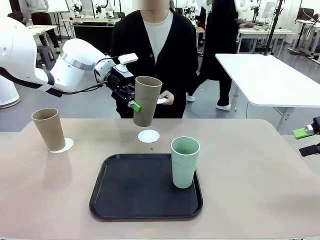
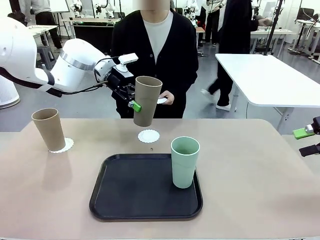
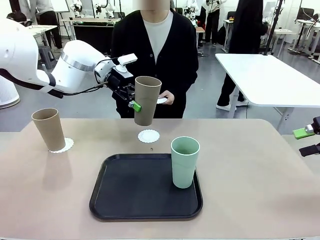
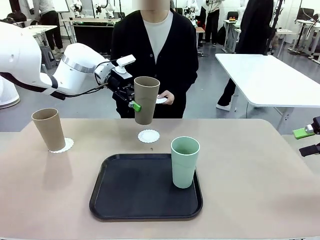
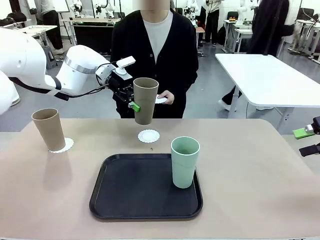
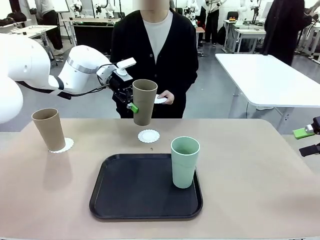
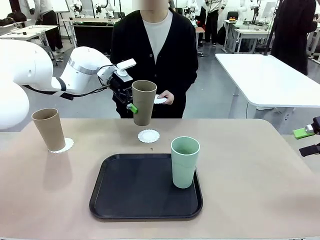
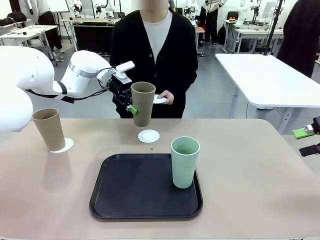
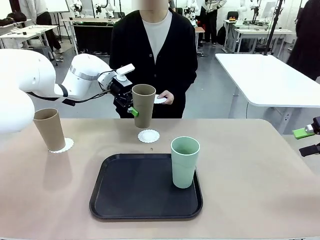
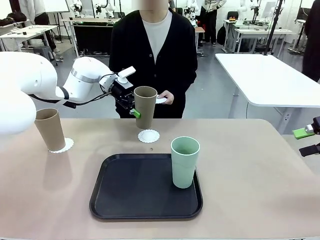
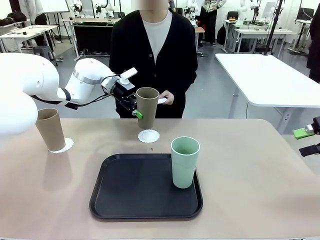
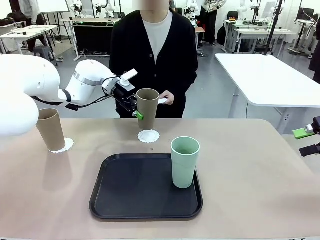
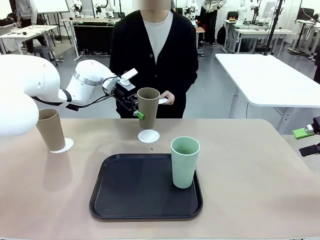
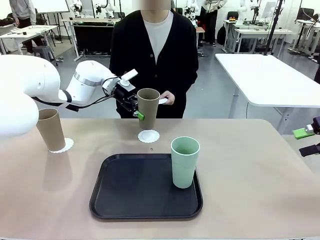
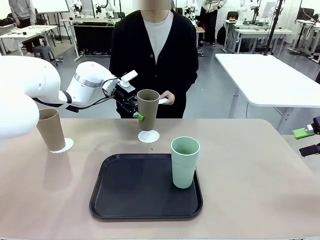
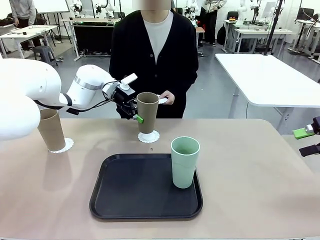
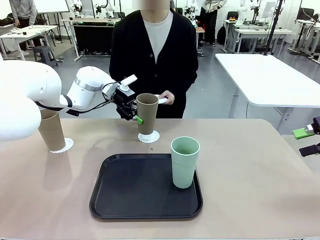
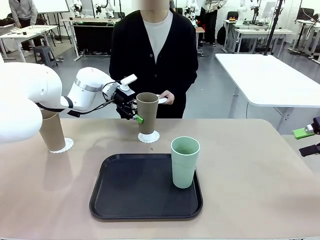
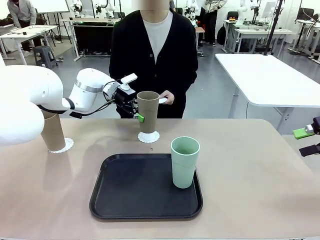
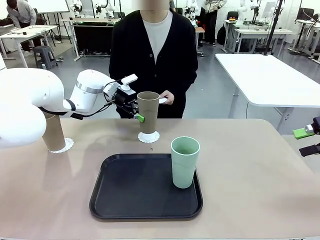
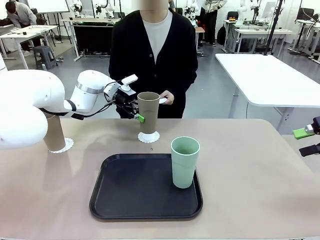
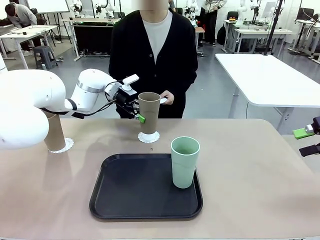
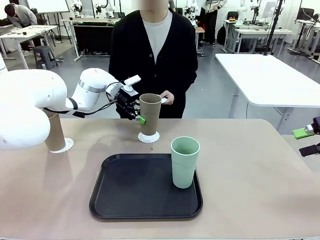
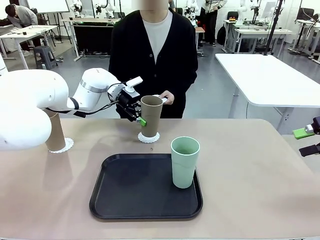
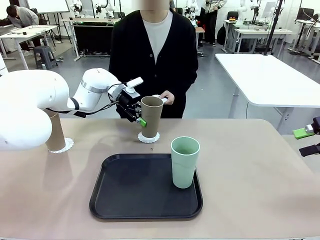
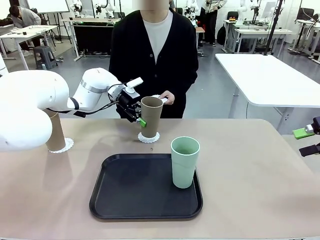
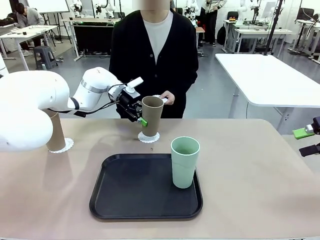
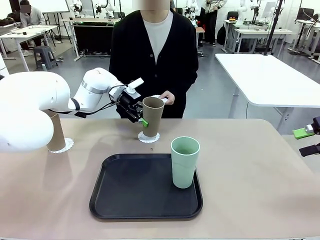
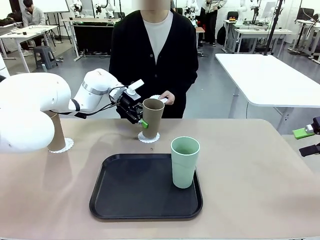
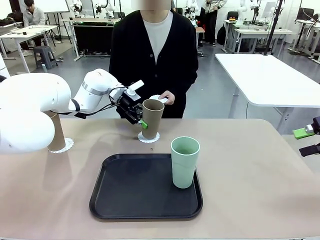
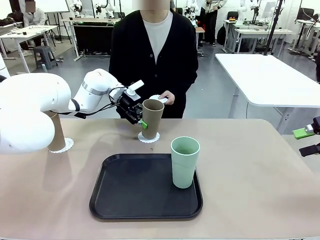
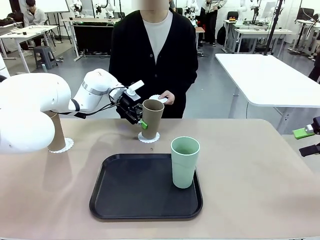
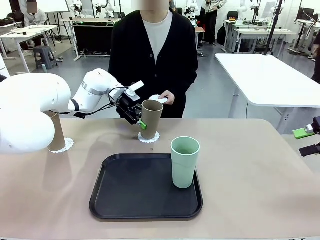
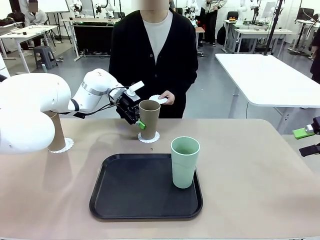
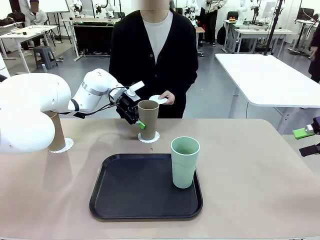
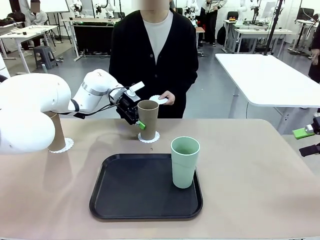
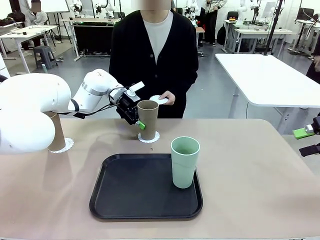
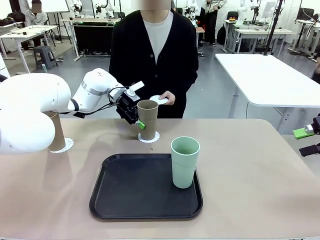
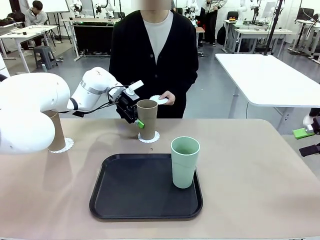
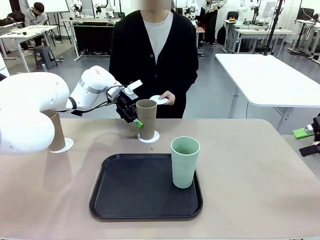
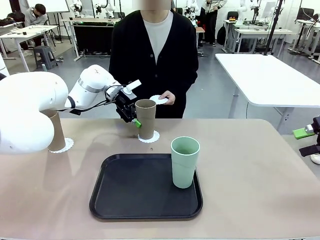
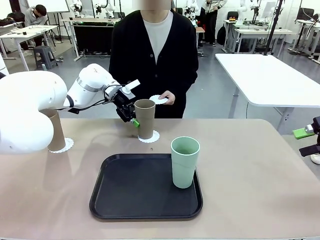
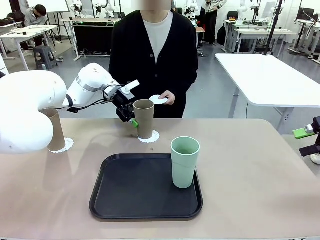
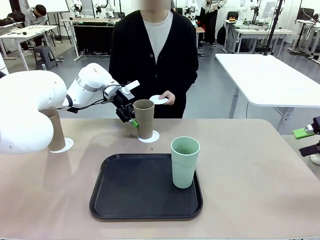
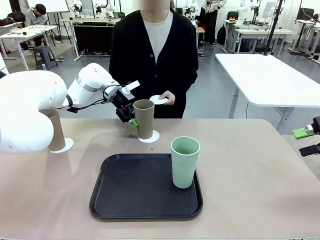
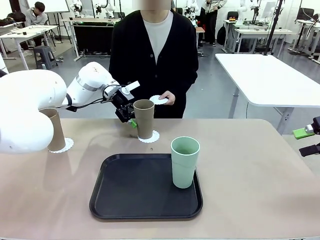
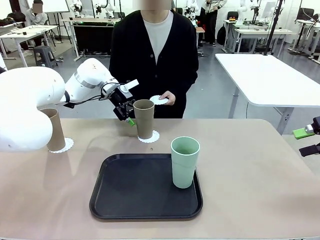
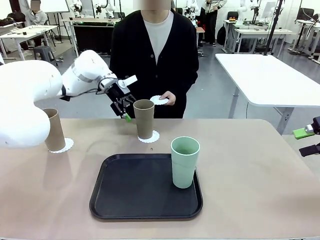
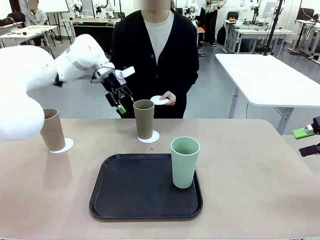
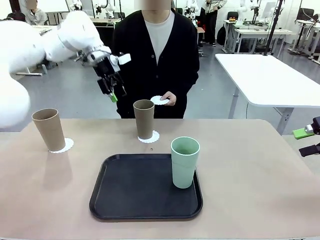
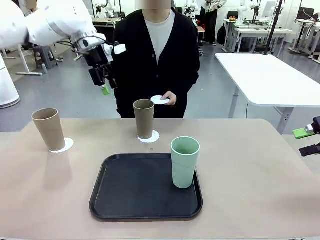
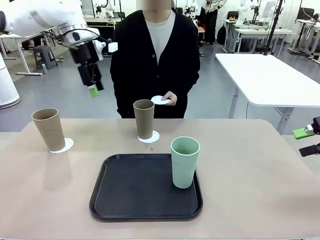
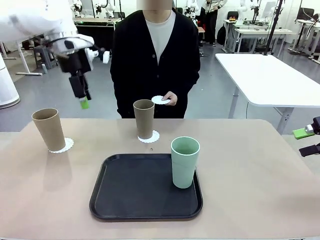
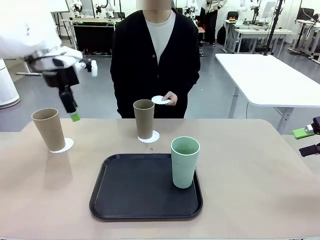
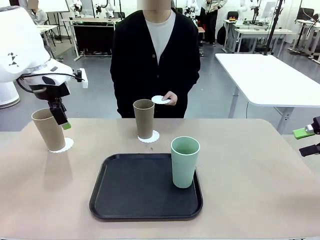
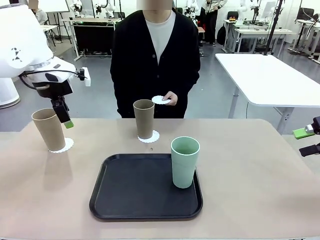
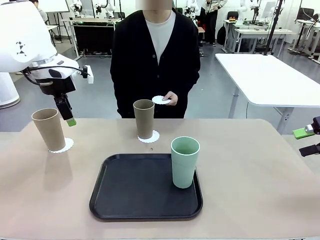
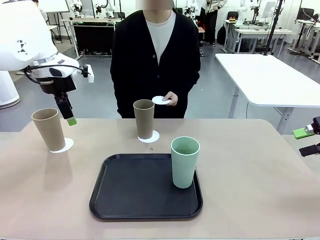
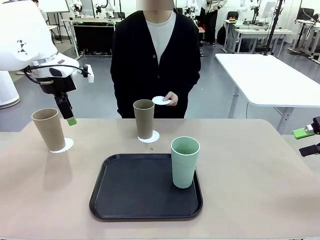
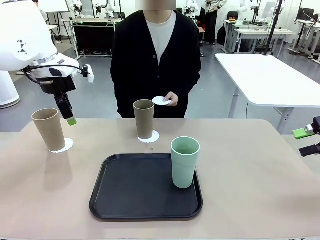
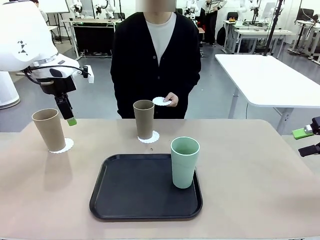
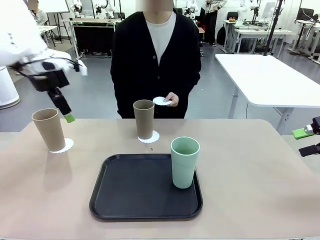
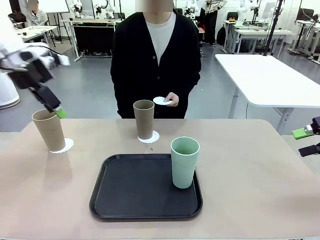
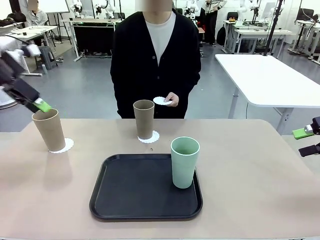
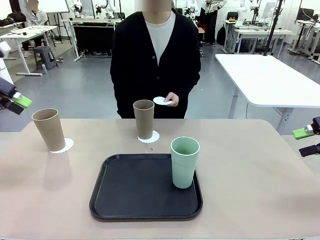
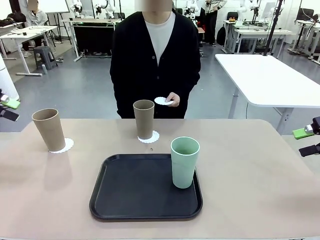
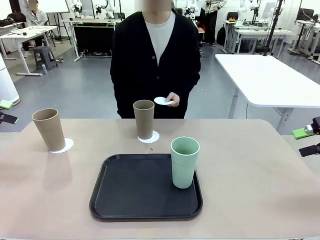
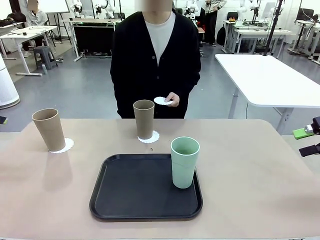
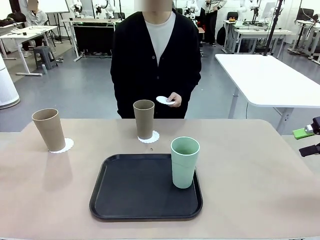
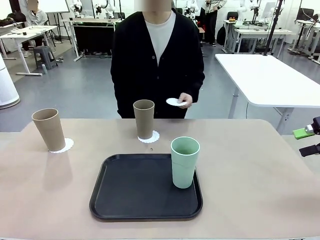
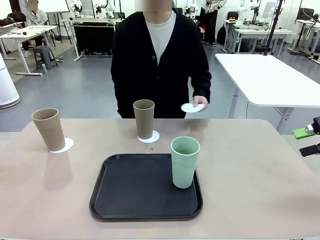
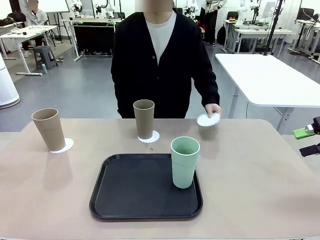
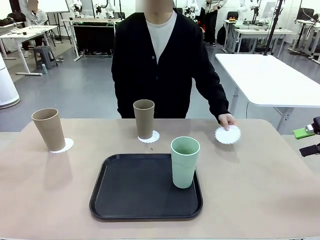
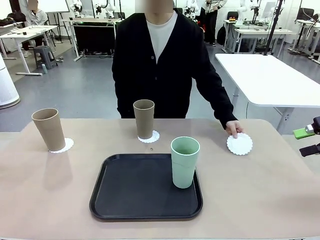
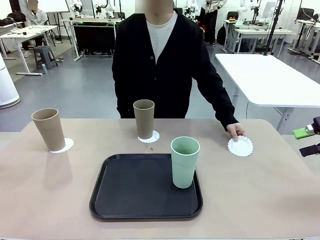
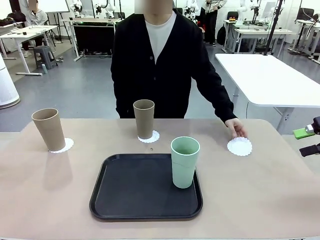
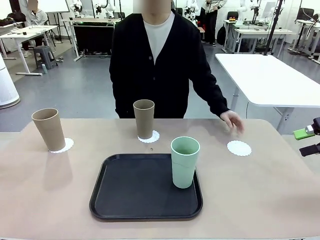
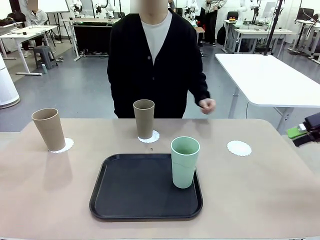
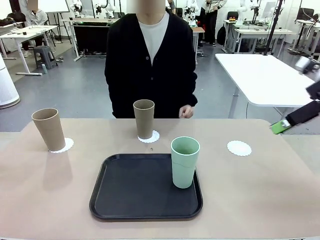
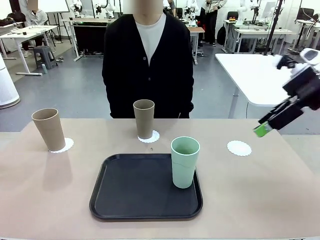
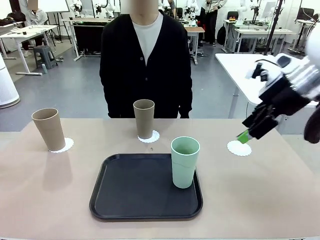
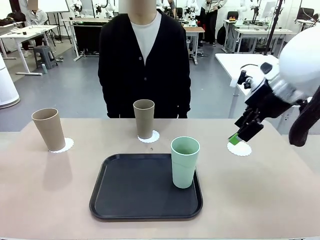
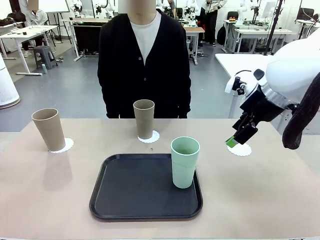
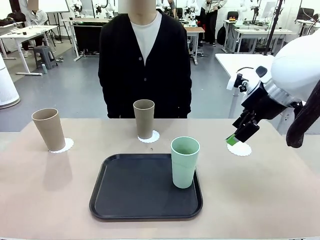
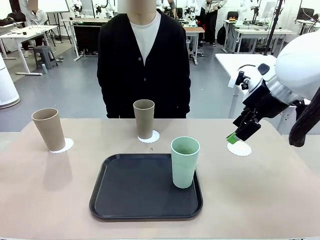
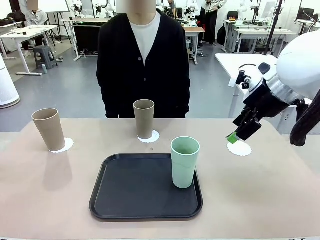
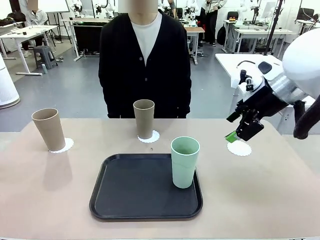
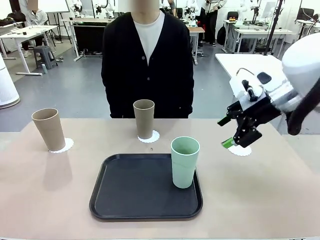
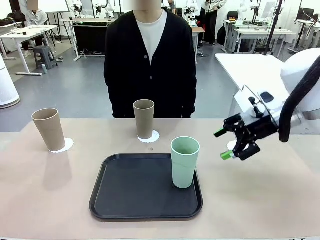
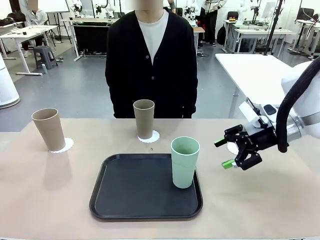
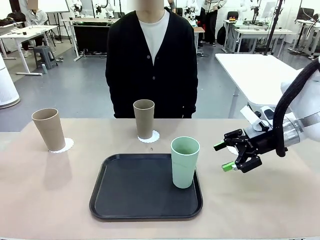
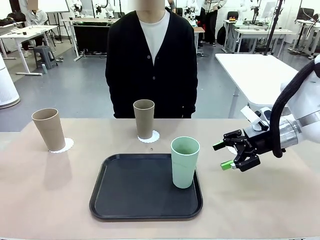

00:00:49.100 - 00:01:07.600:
Task: Place coasters on the table and set cups on them.
Robot: Take one Reusable plastic cup from the Flat Tray and place it on a coaster set by the human.
